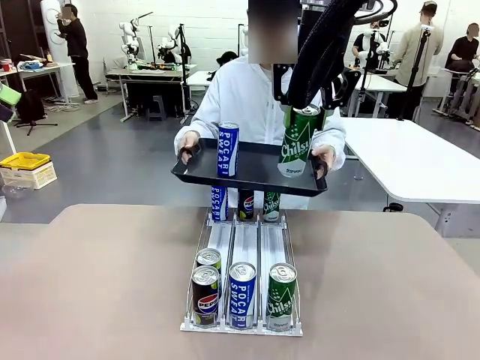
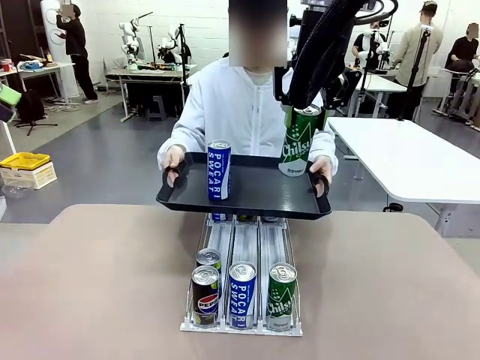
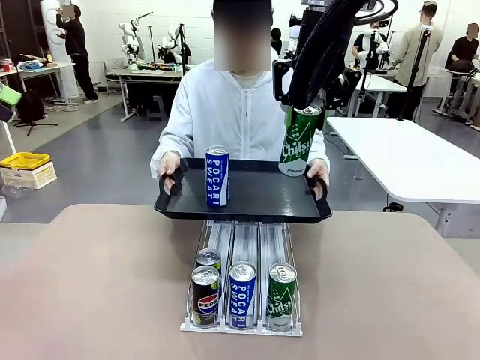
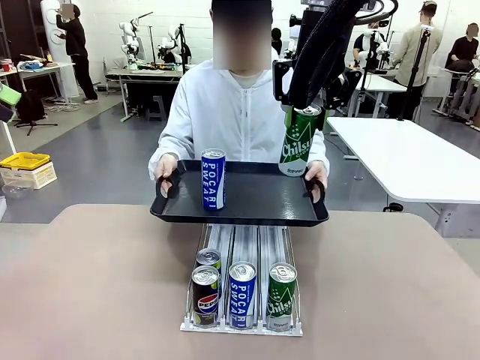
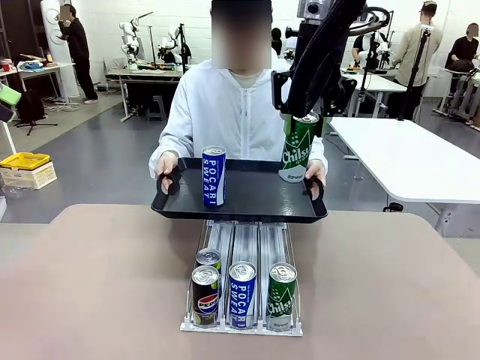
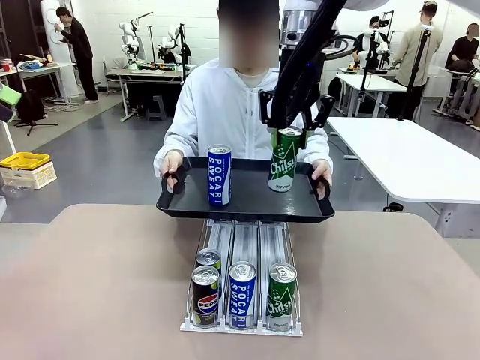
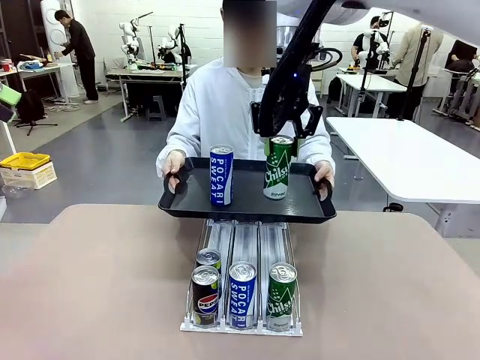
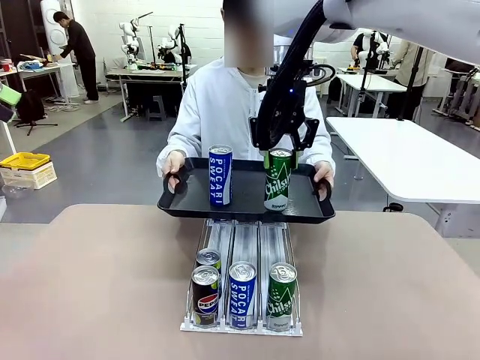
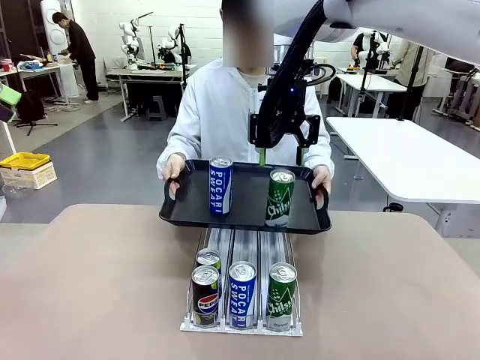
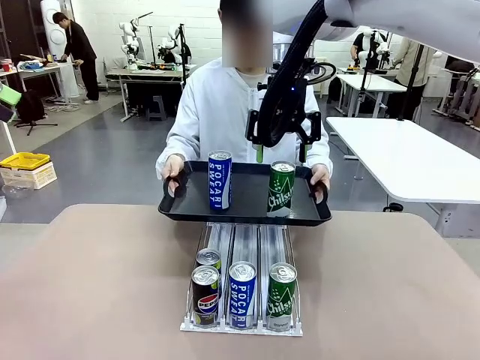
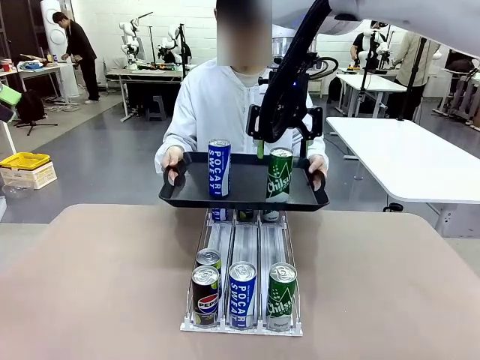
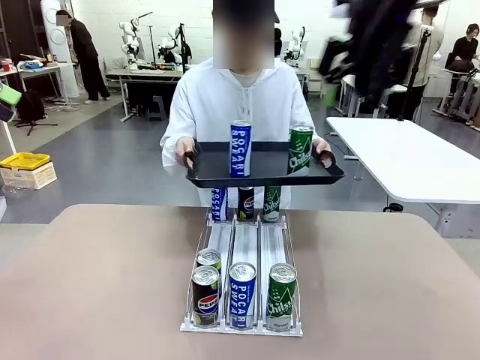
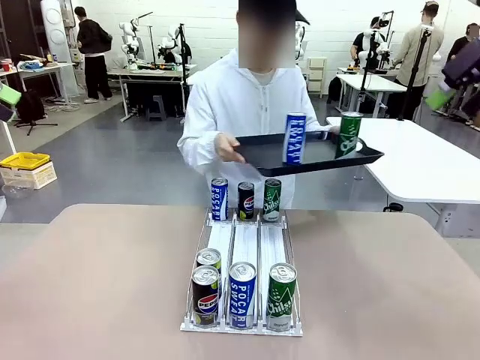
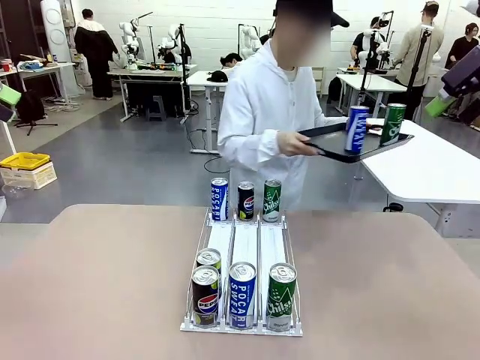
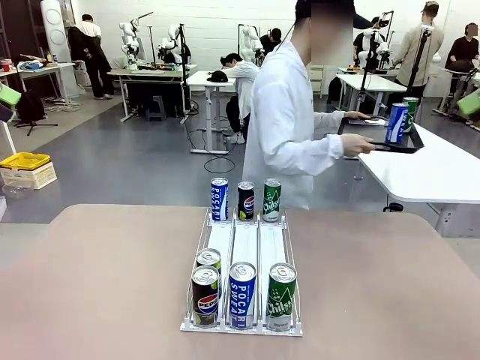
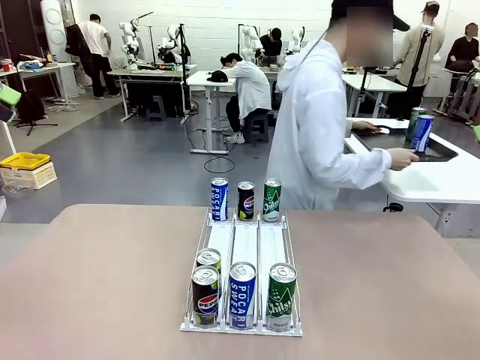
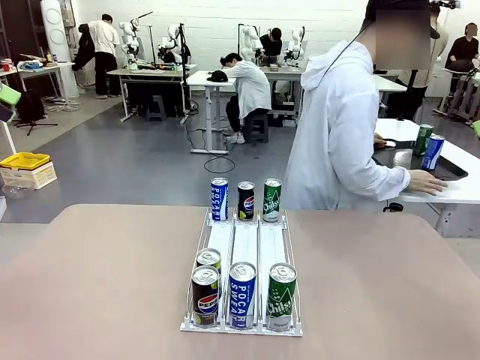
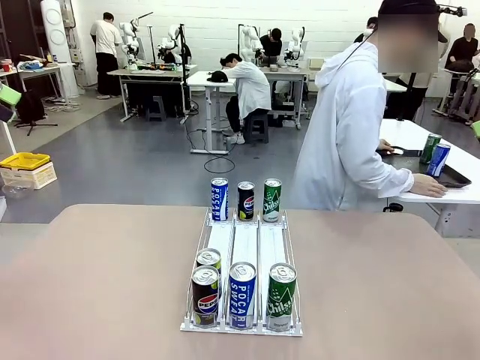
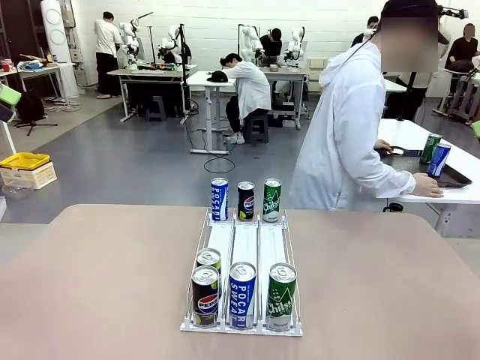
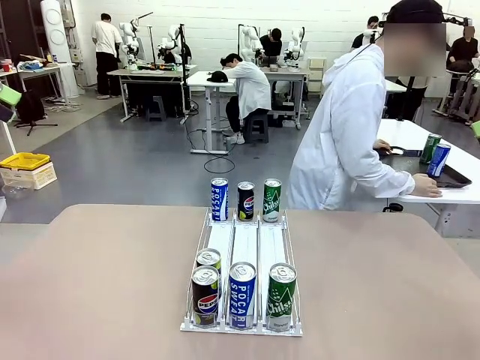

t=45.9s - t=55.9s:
Task: Retrieve and hand over the desired beverage to the person.
Robot: Place the picked can on the Handle tray extended by the person.
Person: Pull the tray back and place it at the center of the human table.

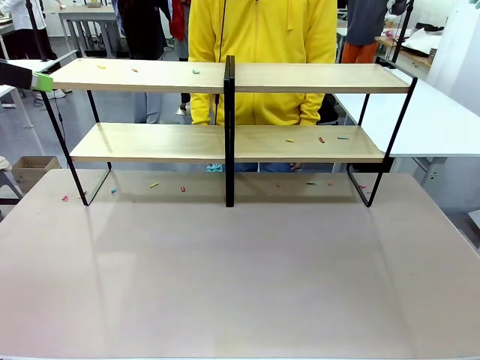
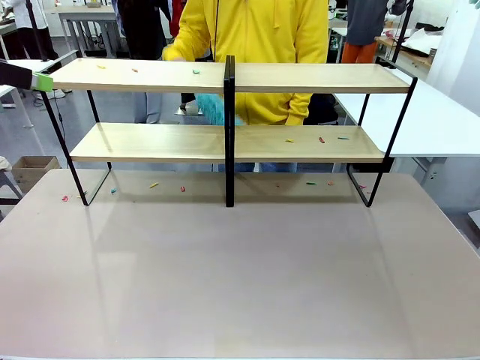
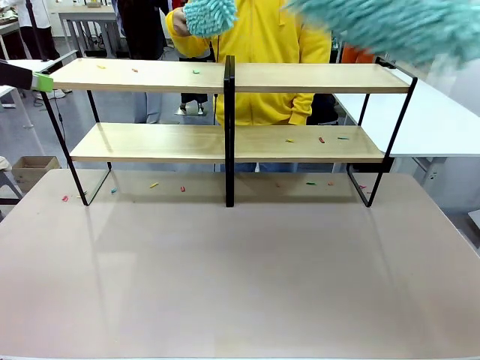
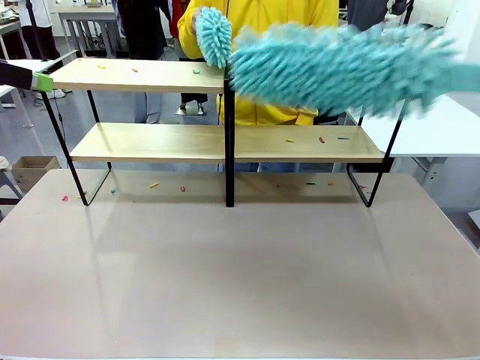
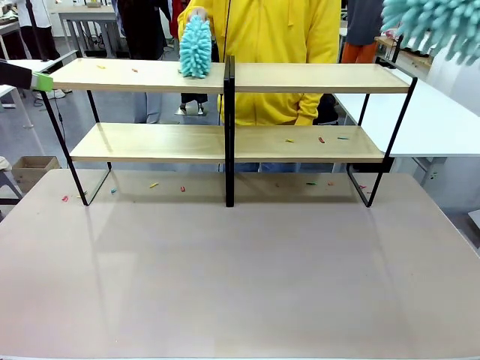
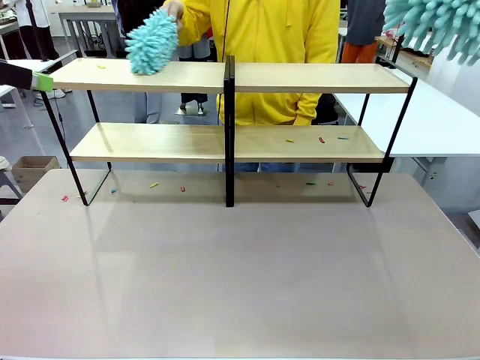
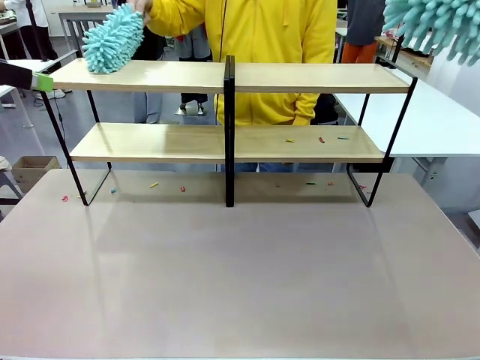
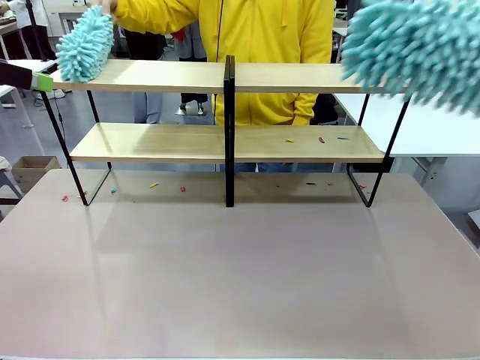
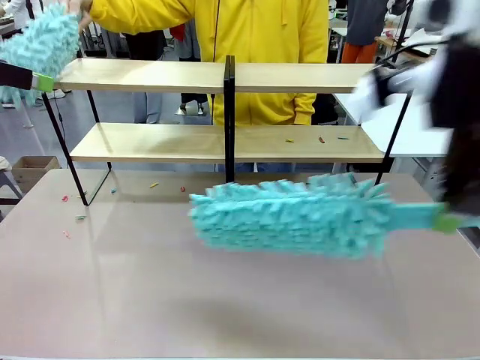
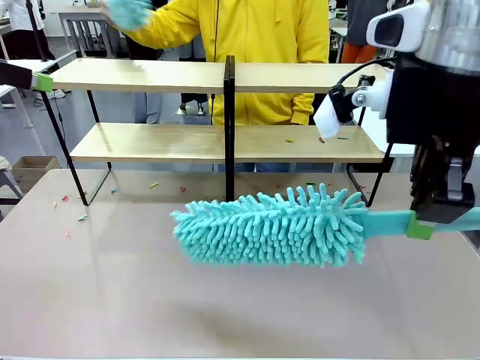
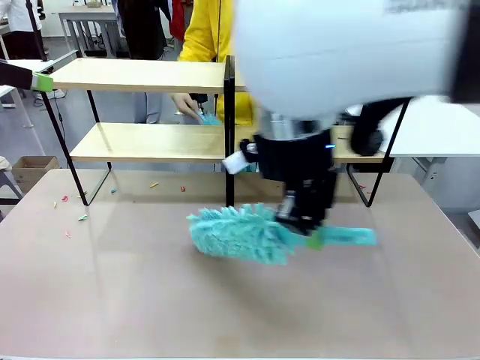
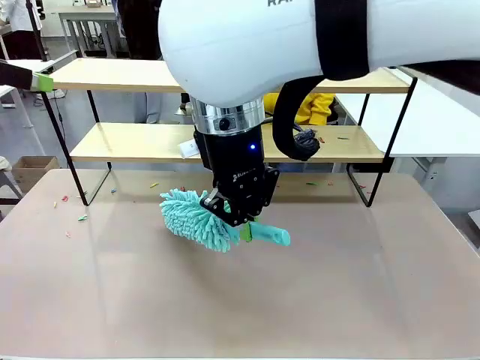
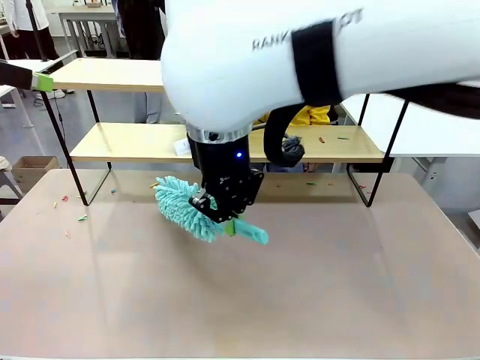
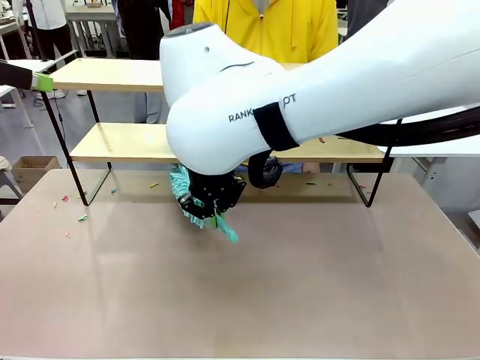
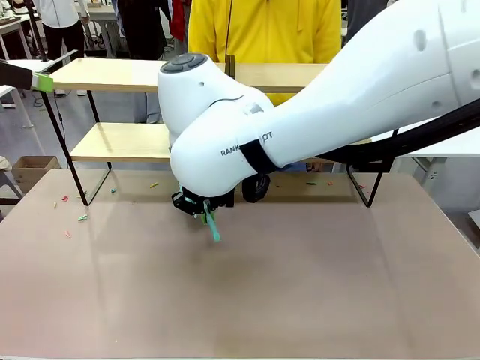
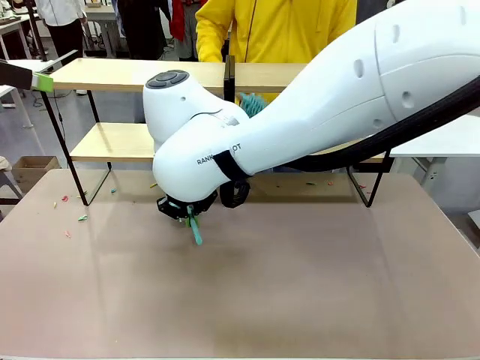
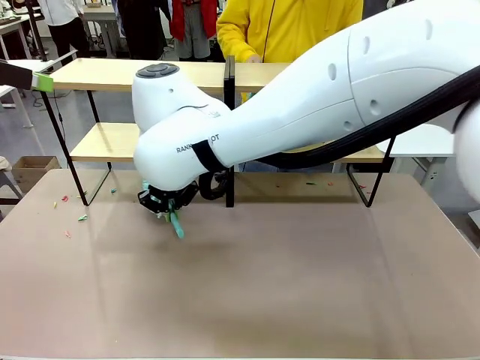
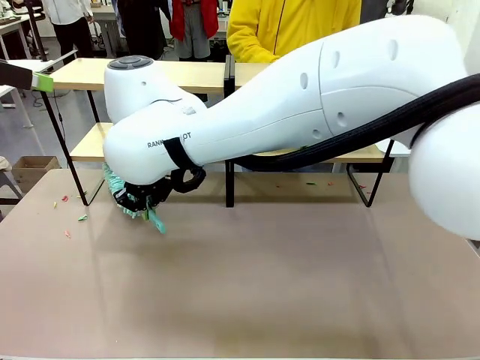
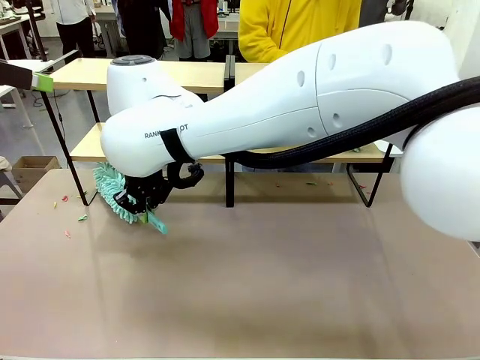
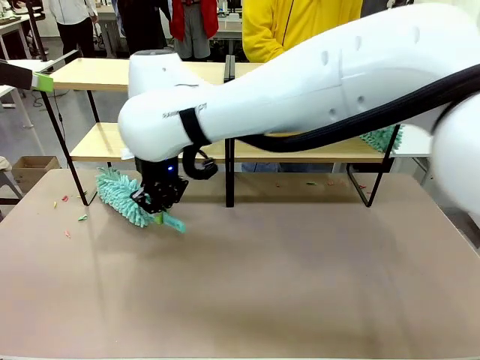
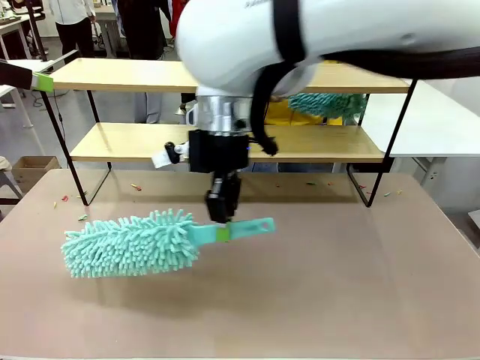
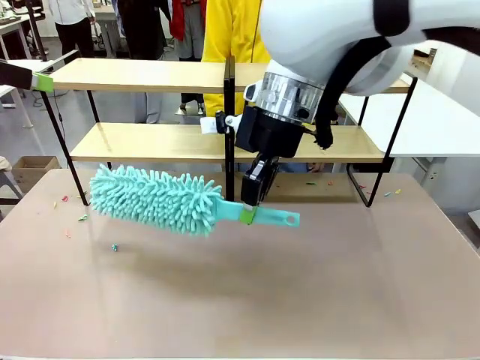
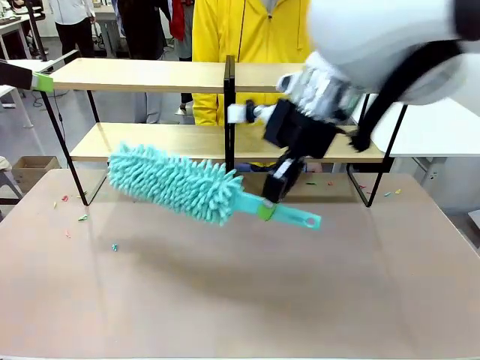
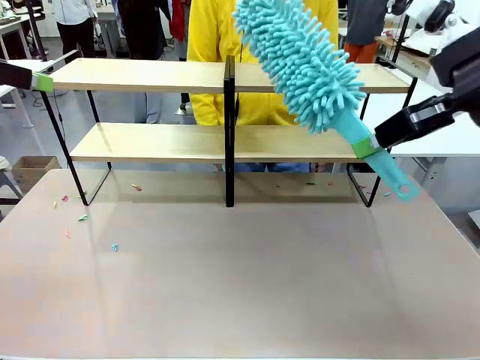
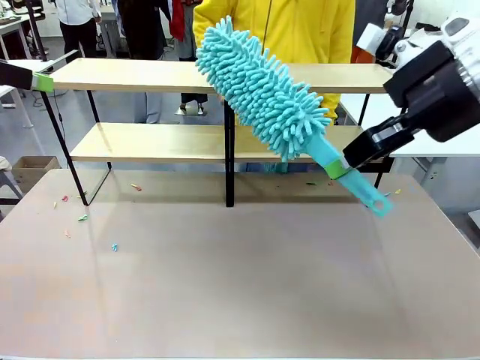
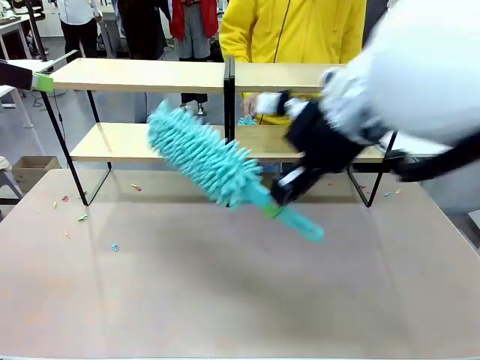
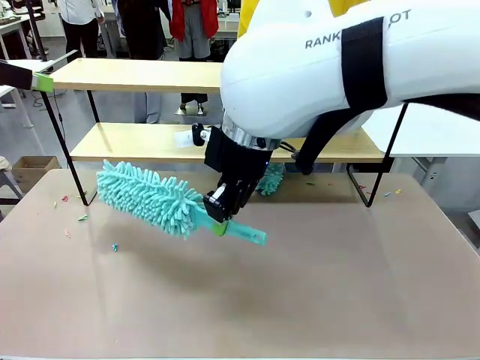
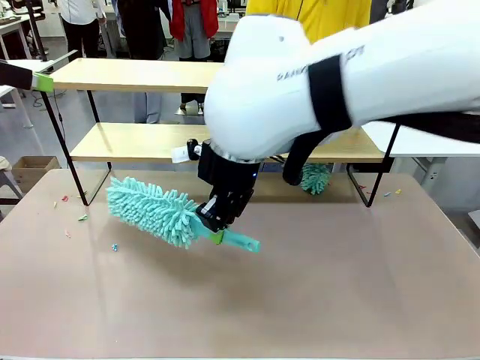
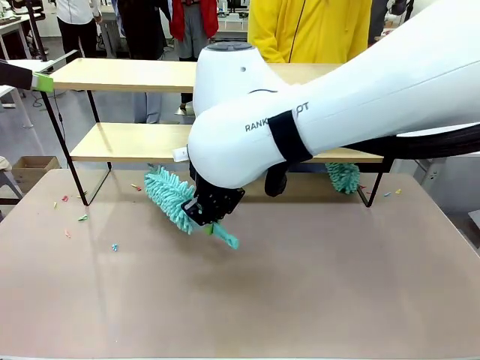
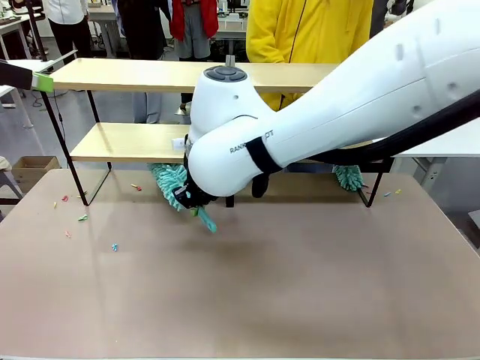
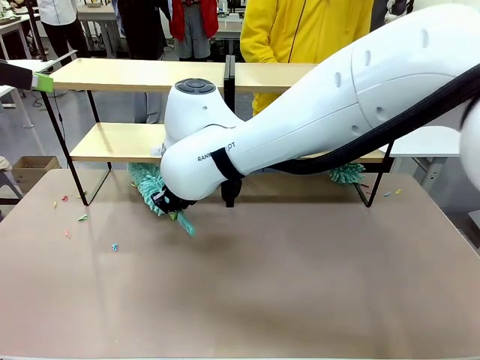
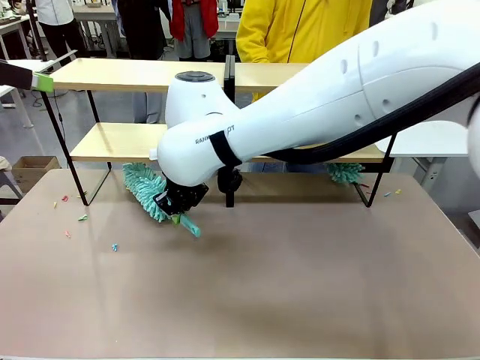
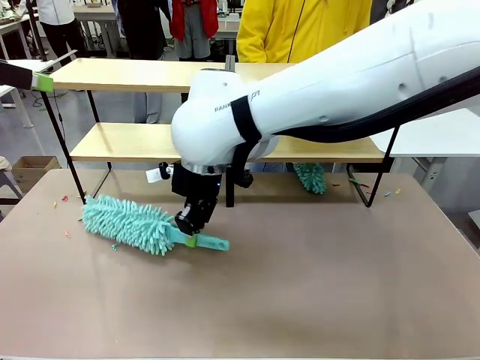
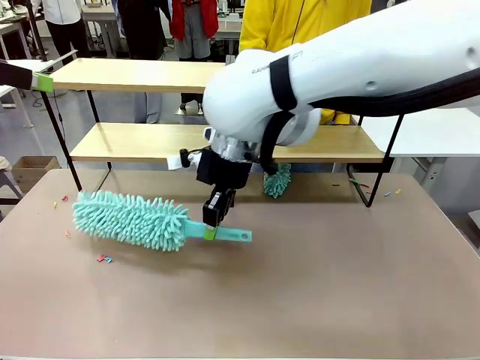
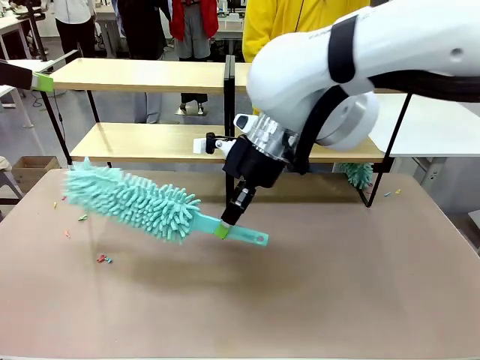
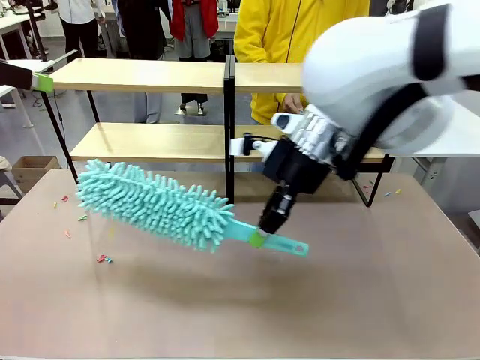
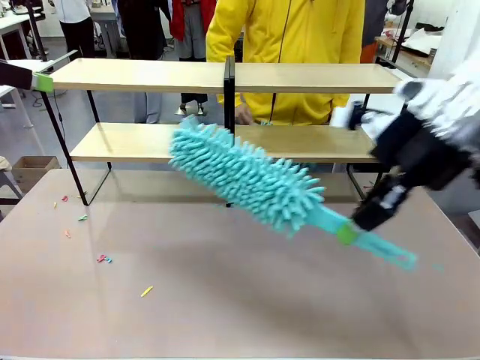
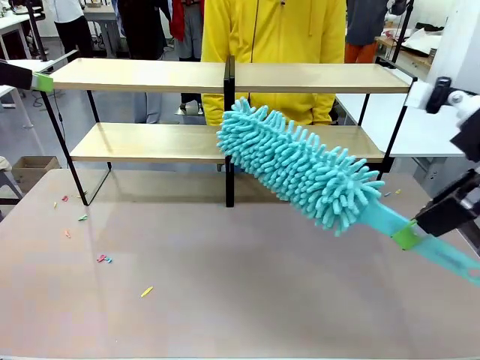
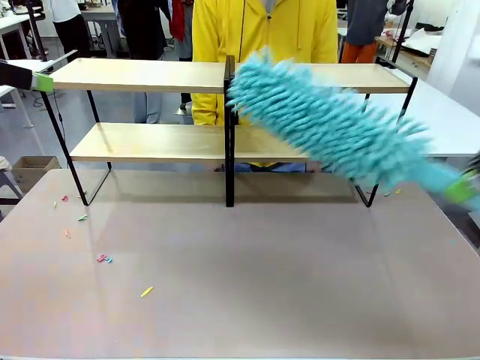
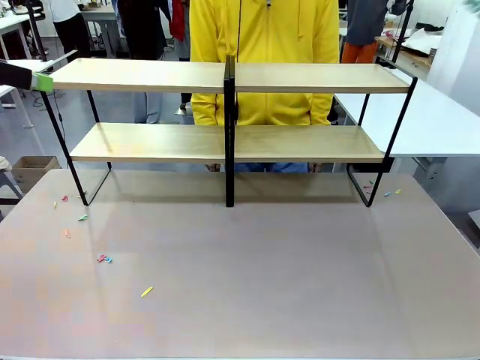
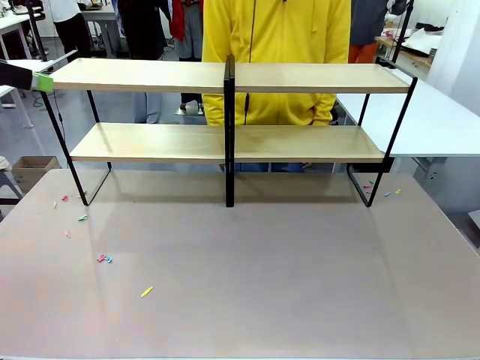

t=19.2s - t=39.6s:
Task: Clean the shelves.
Robot: Clean another randomly selected level of the Shelf with the Duster.
Person: Clean a randomly selected level of the Shelf with the Duster.
